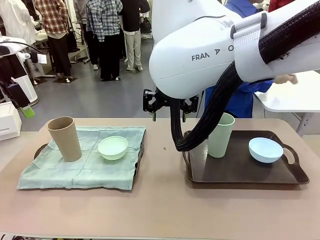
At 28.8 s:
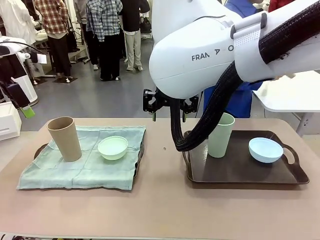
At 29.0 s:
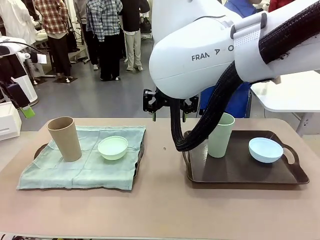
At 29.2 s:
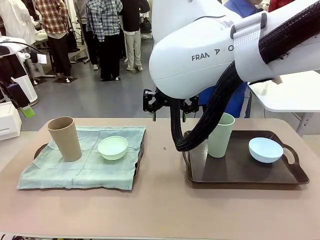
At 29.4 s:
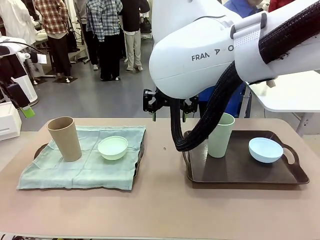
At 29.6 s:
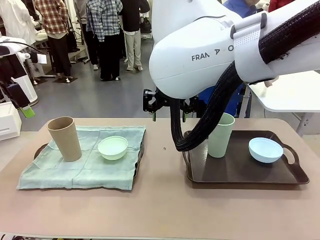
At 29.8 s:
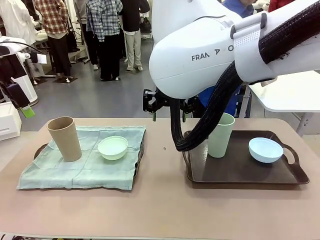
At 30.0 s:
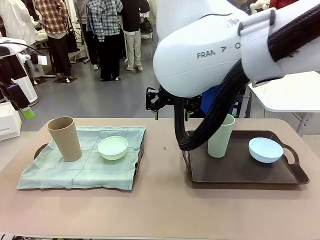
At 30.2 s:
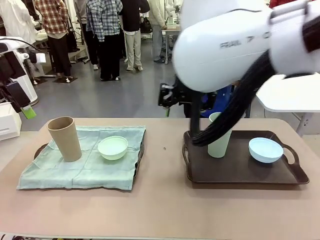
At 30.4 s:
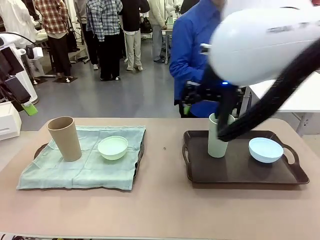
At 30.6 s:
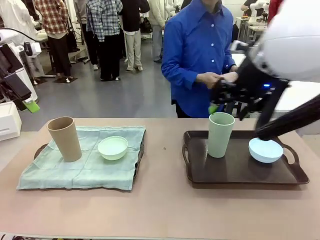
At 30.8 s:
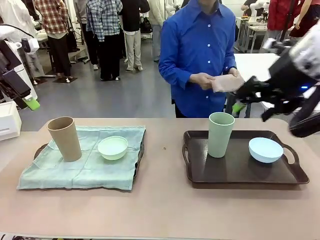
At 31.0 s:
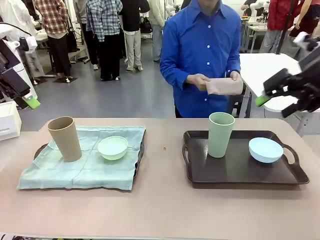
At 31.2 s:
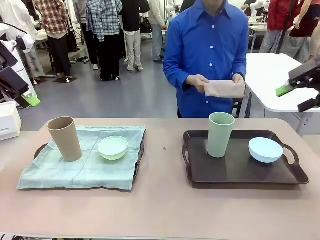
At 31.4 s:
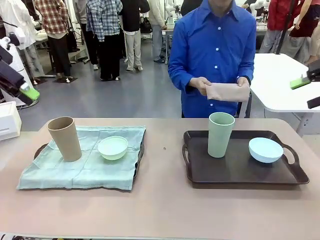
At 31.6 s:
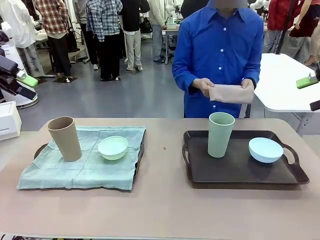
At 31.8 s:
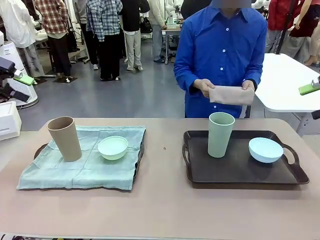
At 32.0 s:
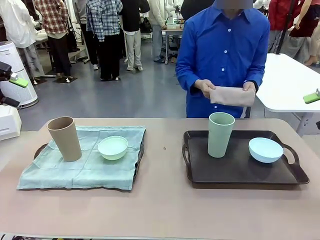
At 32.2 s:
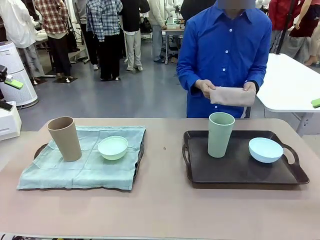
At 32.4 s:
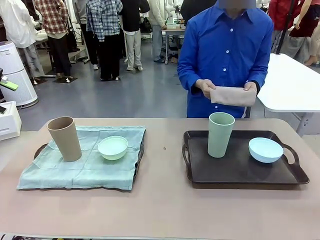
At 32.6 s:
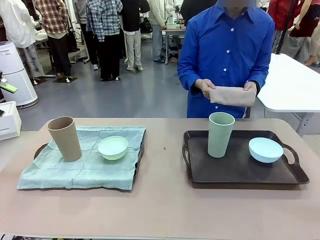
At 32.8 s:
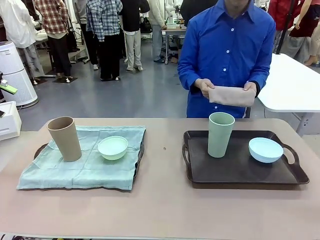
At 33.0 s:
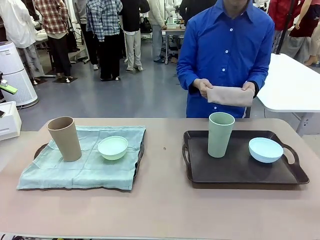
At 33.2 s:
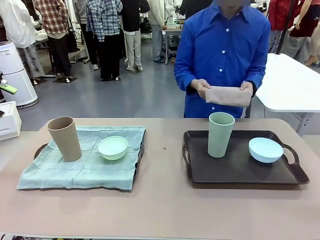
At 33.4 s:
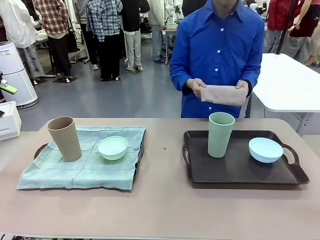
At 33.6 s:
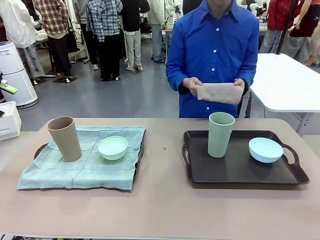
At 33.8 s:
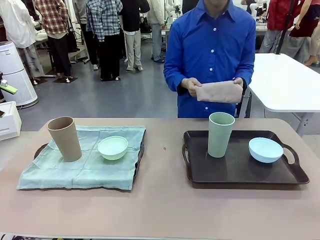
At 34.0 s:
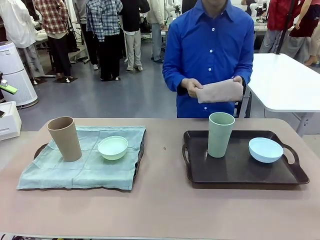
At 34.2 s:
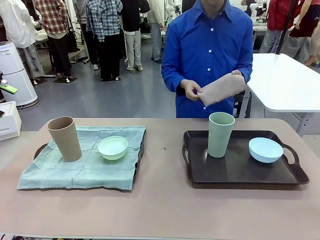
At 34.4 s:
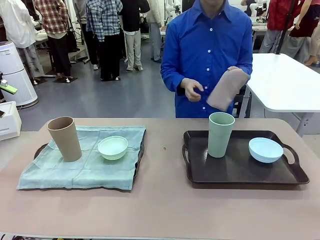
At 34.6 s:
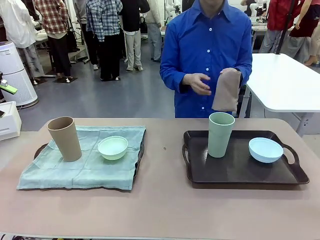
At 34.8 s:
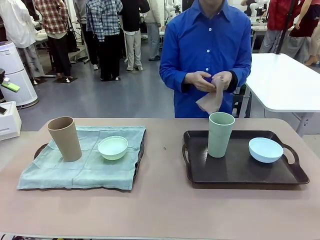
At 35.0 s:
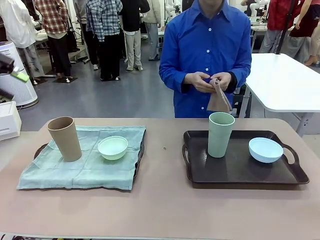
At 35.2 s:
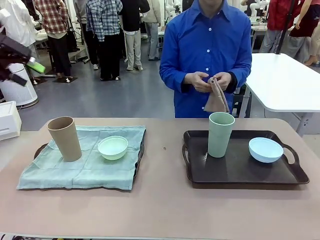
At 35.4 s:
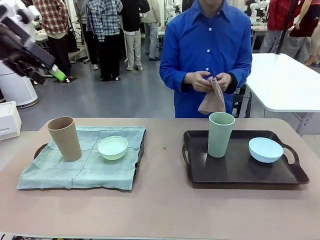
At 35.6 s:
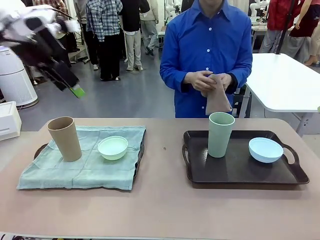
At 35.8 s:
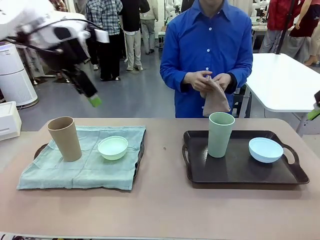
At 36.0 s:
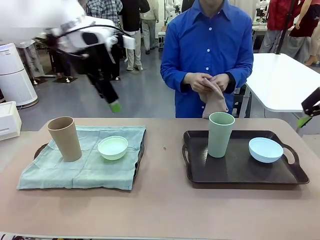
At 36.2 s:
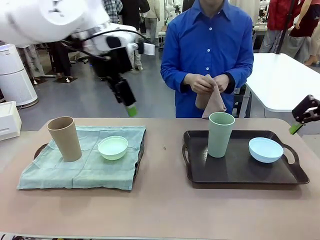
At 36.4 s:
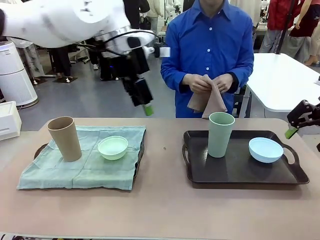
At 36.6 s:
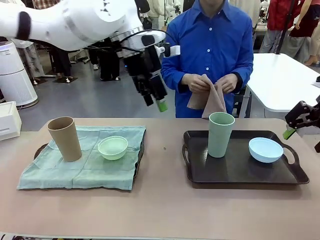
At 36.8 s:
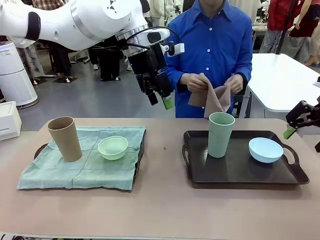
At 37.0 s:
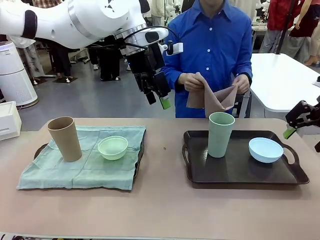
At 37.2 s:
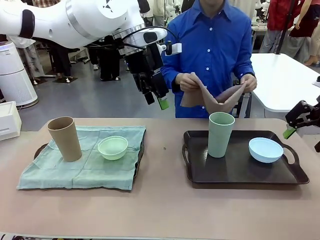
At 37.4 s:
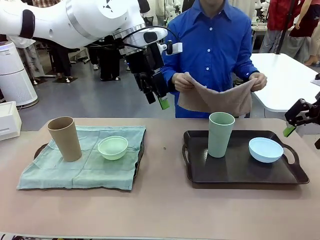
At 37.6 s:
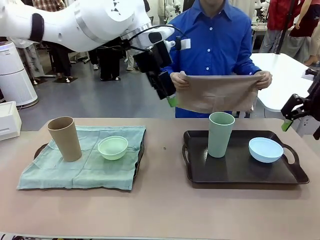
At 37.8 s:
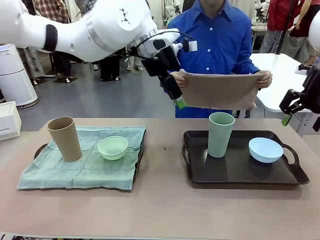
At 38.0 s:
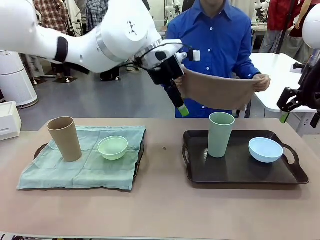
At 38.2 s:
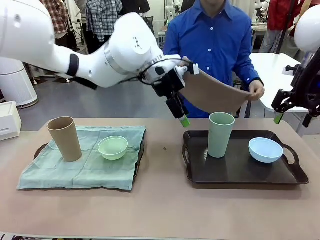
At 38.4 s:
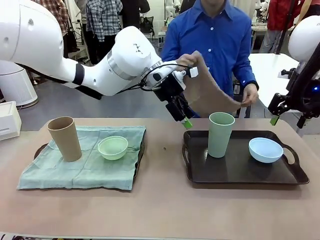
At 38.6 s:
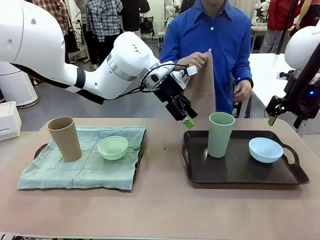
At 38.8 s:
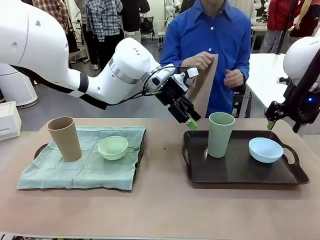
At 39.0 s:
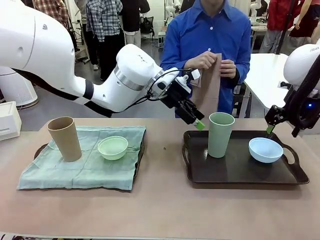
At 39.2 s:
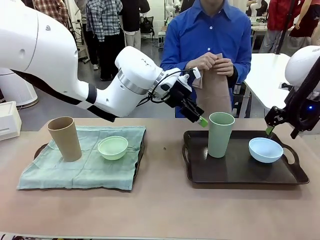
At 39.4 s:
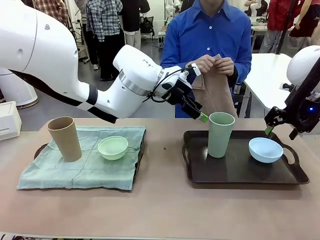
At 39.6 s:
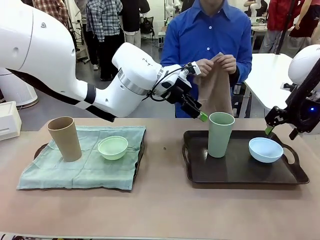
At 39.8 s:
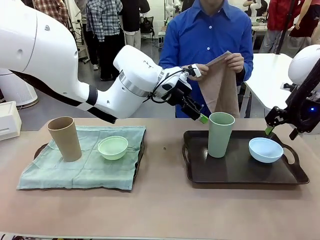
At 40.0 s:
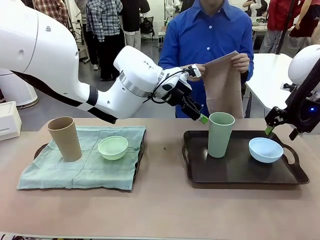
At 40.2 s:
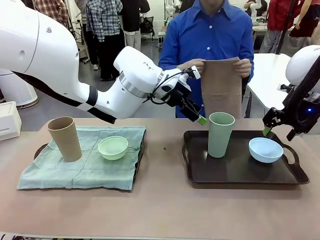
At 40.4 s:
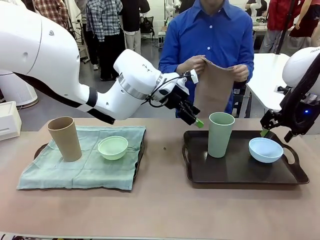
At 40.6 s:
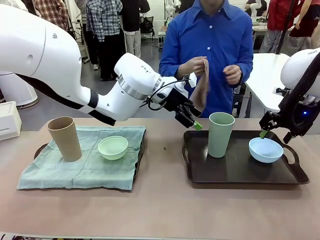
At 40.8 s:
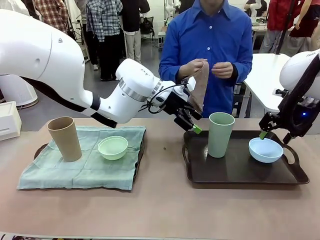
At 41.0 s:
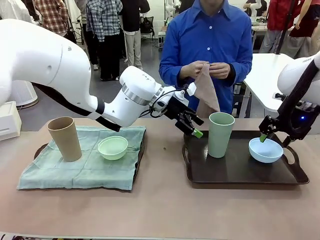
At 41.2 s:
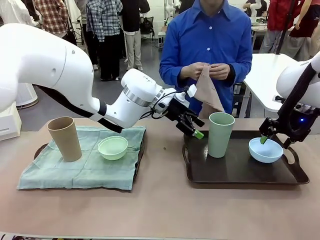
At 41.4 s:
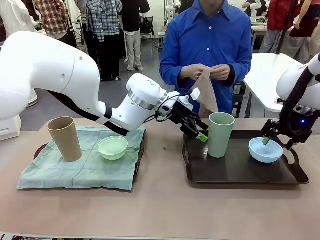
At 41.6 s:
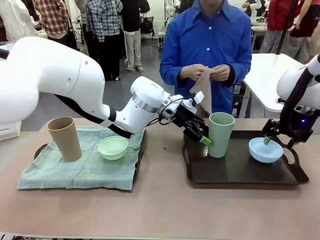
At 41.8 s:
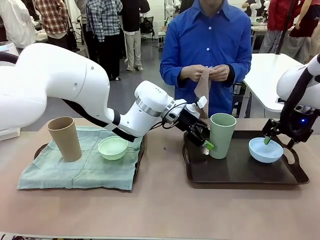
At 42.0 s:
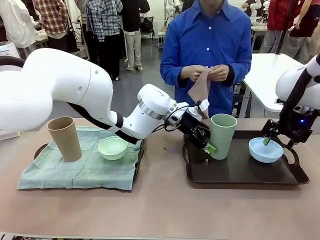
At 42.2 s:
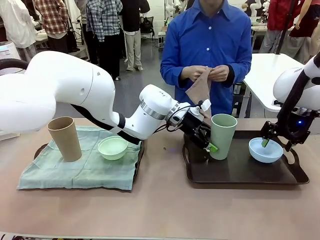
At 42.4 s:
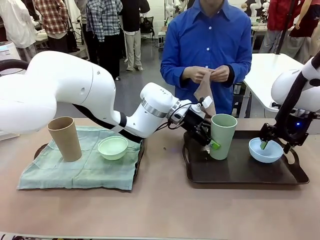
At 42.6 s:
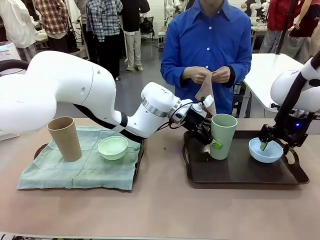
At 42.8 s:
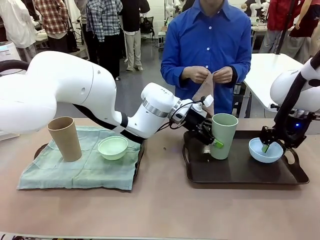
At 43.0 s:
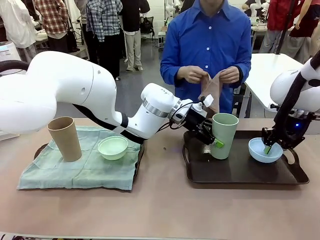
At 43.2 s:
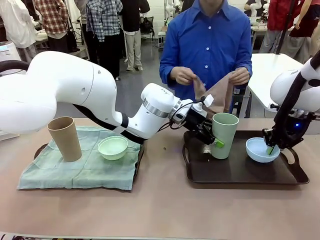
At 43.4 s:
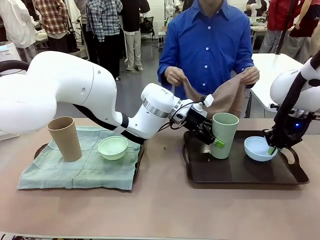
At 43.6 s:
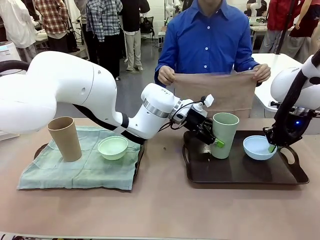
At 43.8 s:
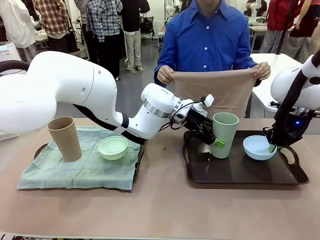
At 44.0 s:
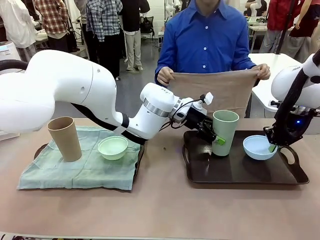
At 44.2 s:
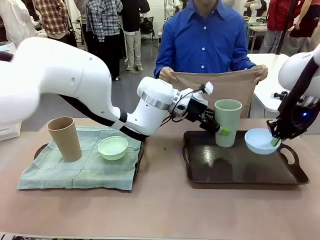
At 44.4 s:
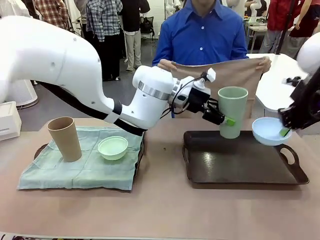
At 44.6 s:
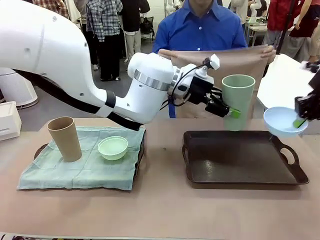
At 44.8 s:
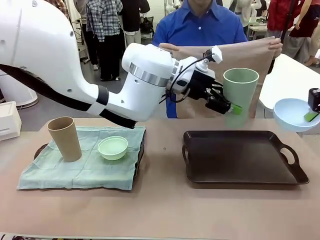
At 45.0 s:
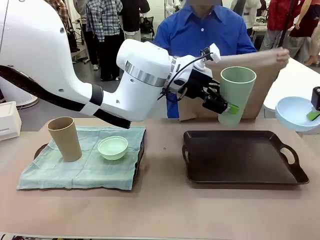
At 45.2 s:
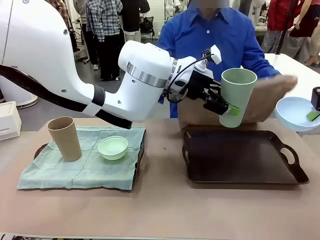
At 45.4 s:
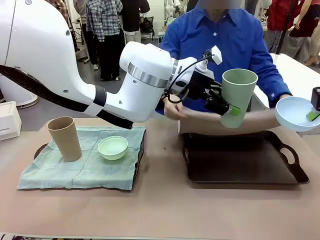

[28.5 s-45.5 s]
Robot: Pick up the Picnic Bowl and Reusable plastic cup from the Handle tray in front of the human's position and hold them in the air.
Person: When the robot lifts the bowl and the cup, the human unfolds the napkin and lays the napkin flat on the tray.

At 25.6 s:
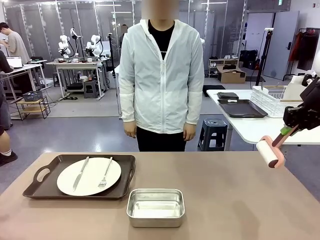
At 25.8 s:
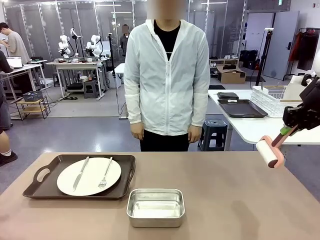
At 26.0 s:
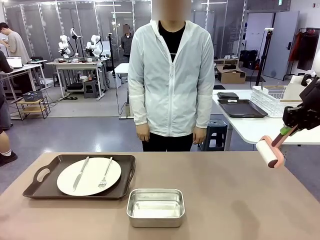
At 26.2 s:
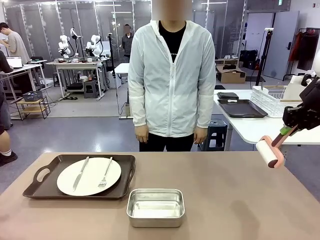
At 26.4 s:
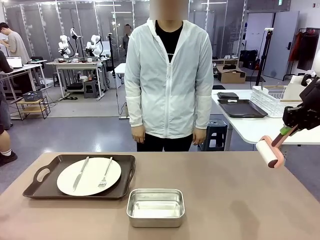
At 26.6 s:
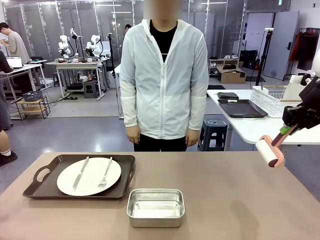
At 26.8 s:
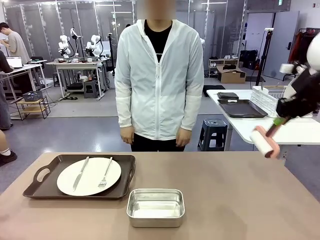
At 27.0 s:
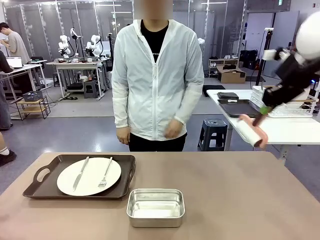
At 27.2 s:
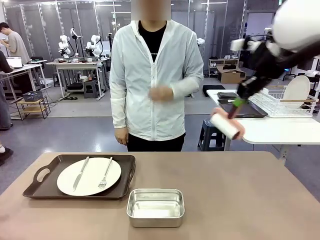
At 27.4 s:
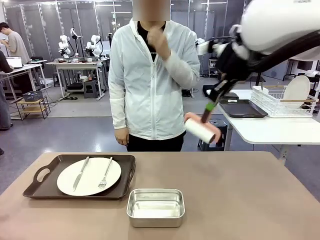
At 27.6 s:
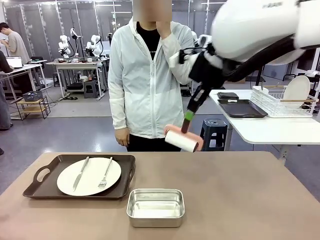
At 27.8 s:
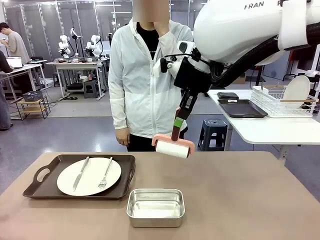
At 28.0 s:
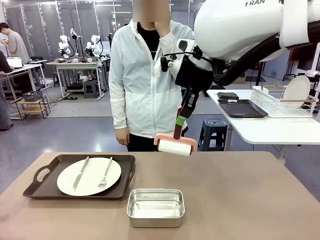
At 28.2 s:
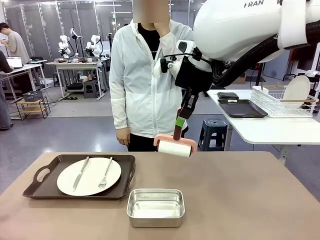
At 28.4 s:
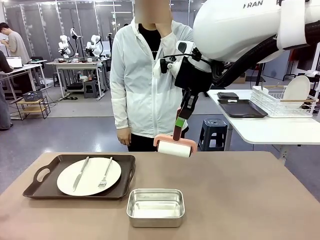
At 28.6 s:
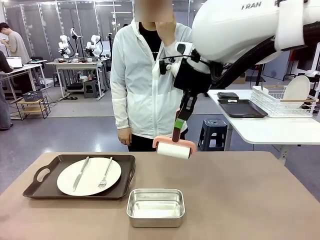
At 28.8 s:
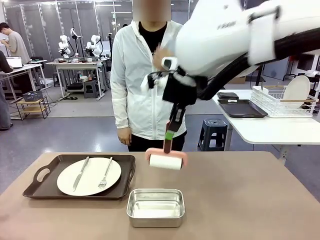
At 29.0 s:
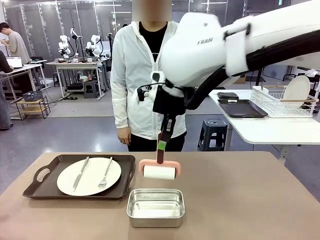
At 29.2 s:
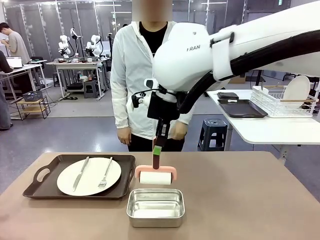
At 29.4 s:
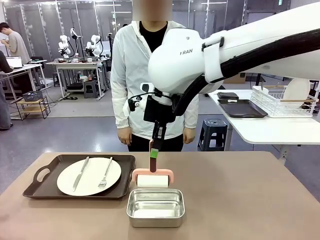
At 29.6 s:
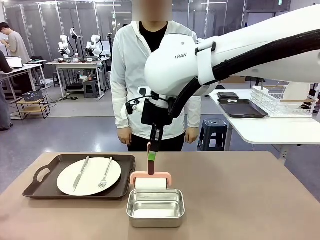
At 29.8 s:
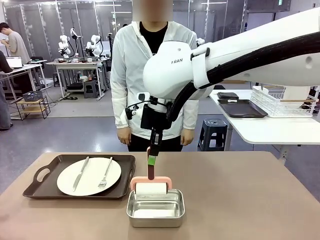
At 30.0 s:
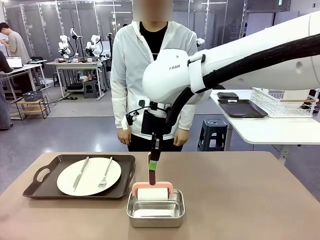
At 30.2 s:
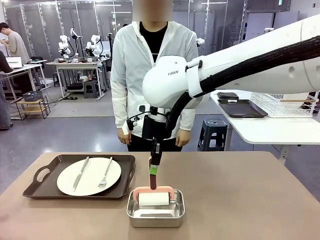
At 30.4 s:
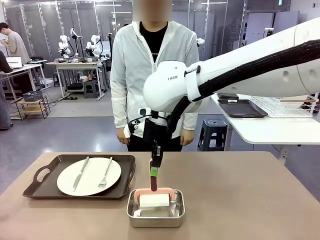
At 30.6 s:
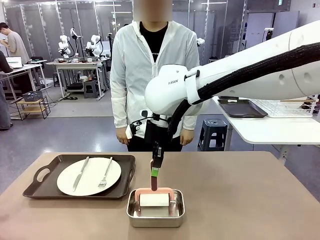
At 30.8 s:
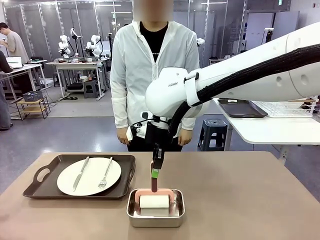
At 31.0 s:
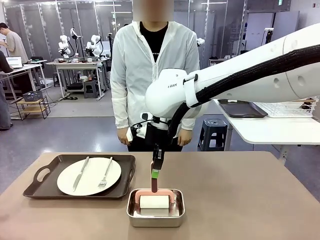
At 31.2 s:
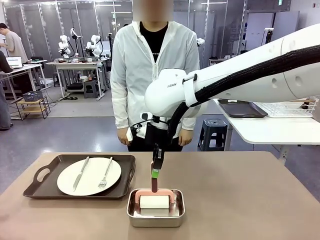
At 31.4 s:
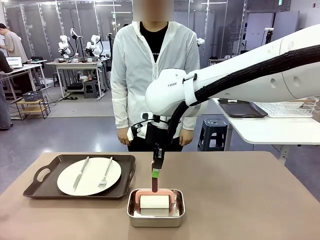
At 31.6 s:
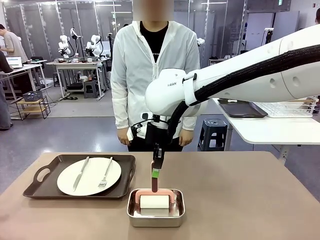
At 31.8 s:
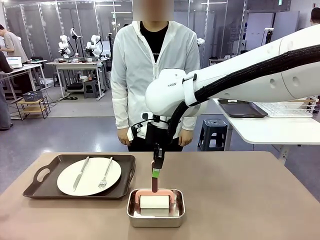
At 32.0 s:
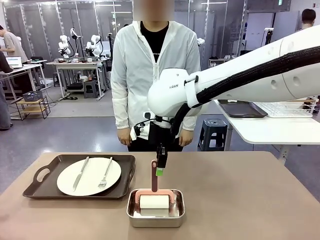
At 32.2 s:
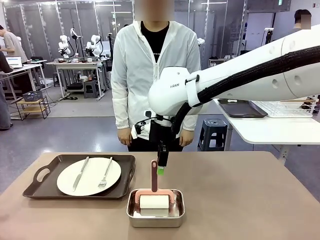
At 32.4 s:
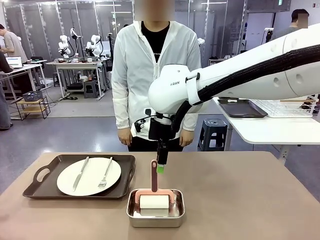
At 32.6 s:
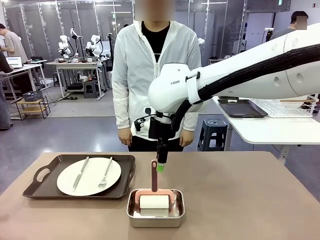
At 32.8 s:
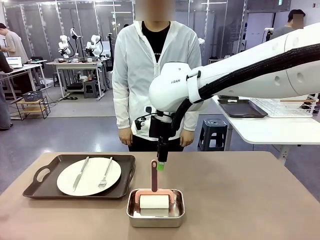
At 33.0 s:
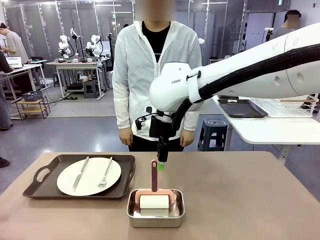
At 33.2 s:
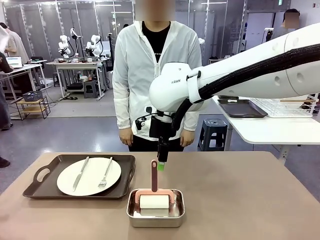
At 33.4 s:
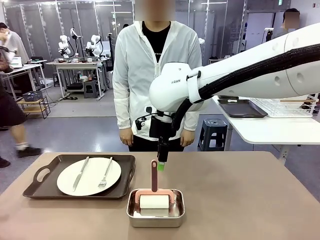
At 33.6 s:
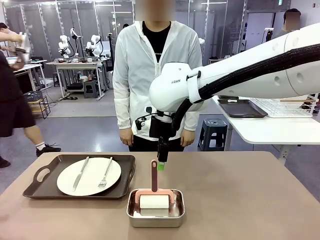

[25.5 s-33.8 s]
Robot: Place the Lint Roller back on top of the Airtight Container.
